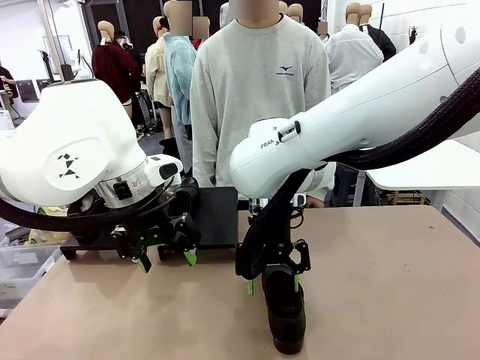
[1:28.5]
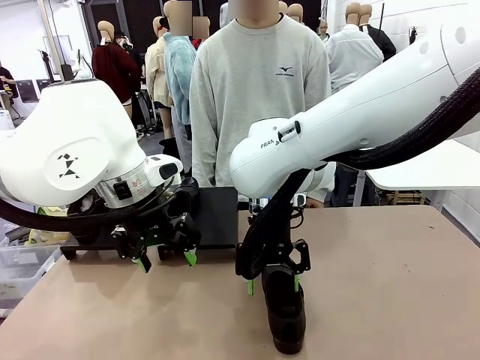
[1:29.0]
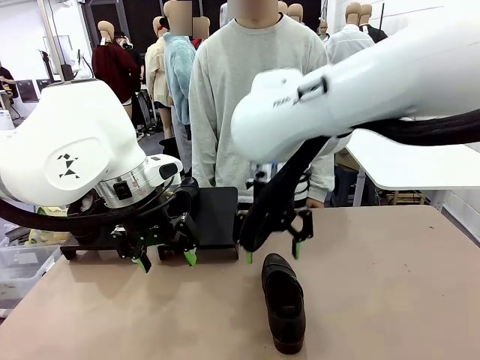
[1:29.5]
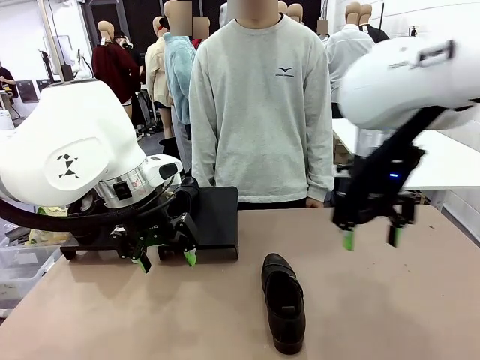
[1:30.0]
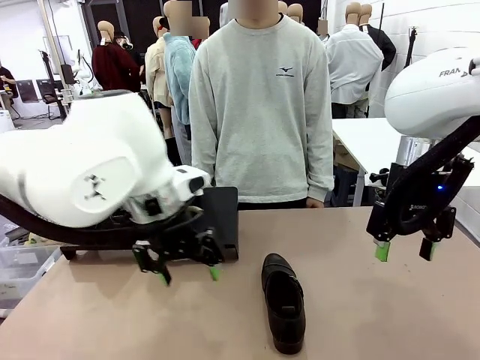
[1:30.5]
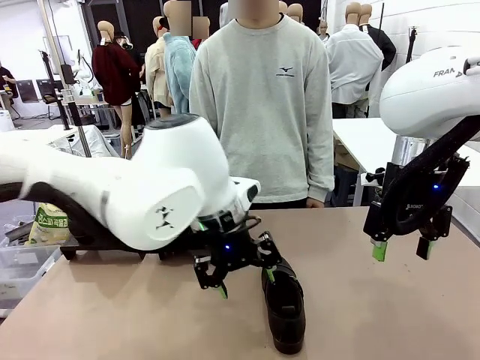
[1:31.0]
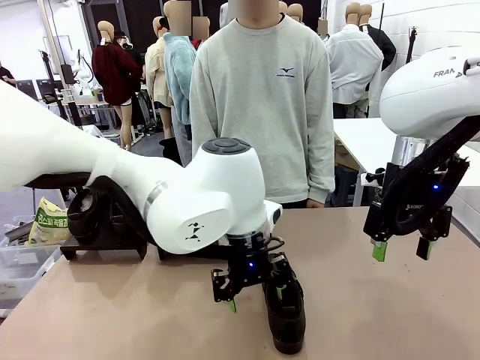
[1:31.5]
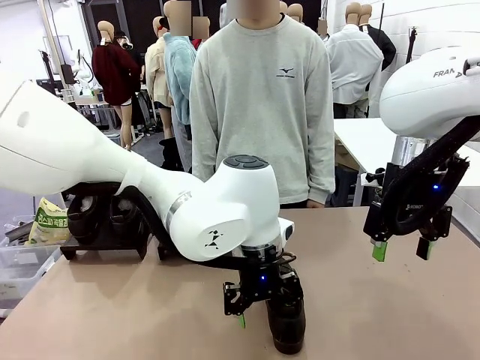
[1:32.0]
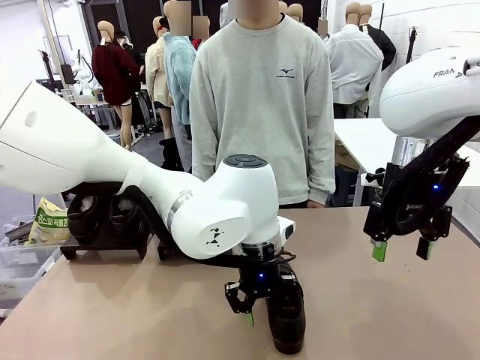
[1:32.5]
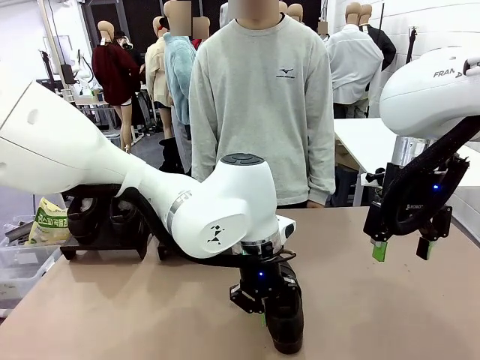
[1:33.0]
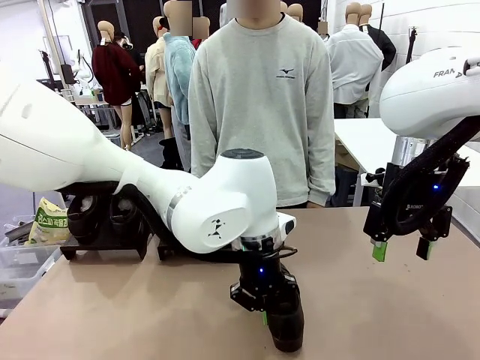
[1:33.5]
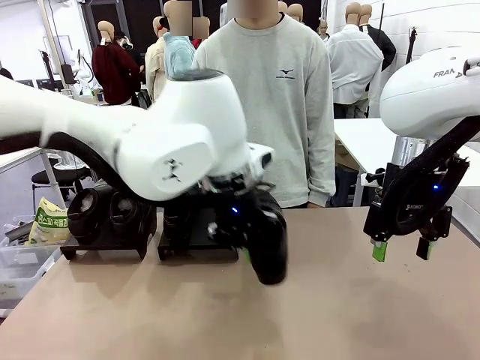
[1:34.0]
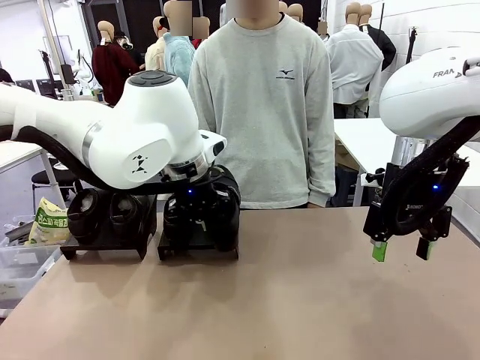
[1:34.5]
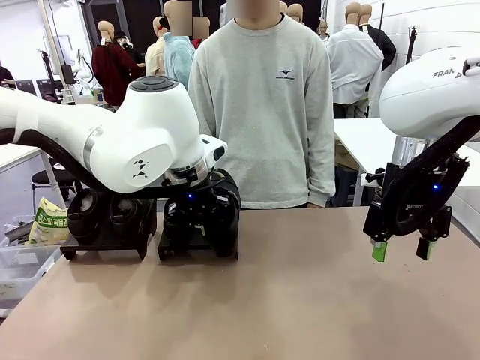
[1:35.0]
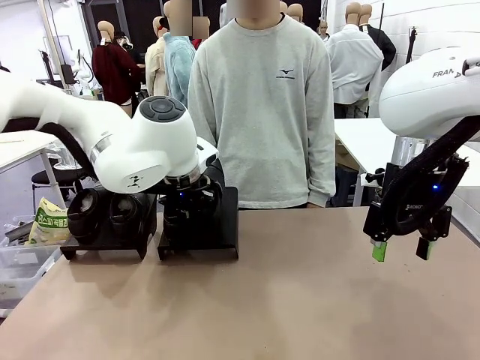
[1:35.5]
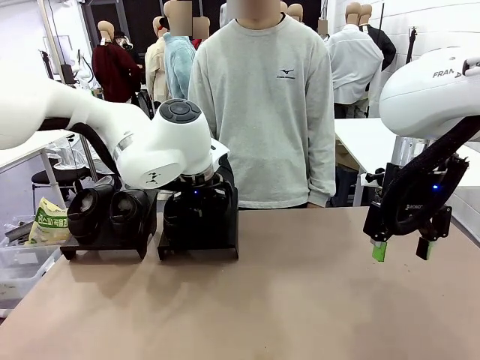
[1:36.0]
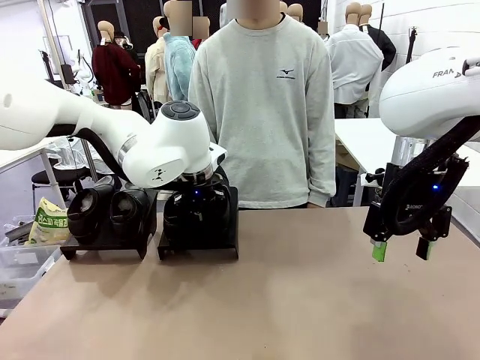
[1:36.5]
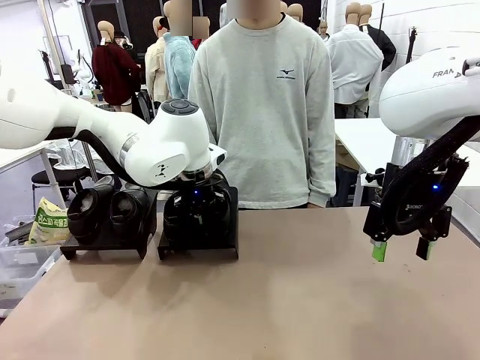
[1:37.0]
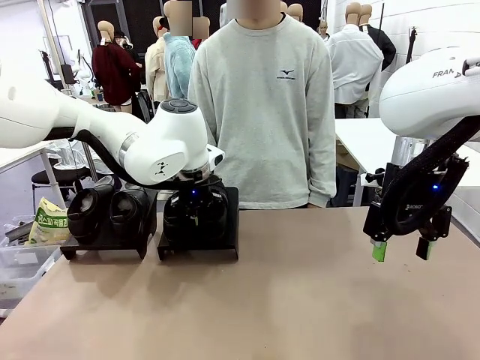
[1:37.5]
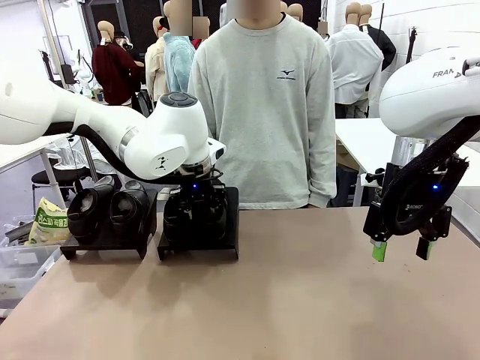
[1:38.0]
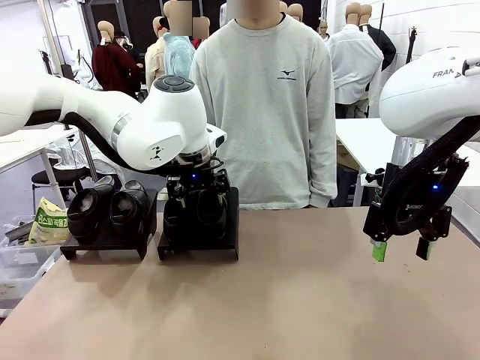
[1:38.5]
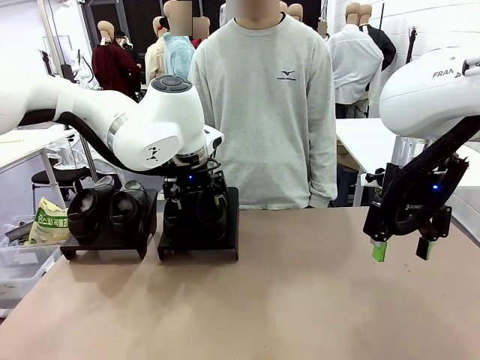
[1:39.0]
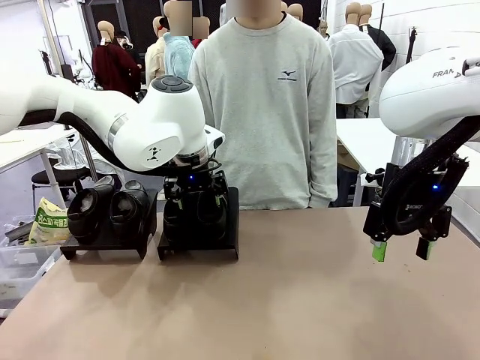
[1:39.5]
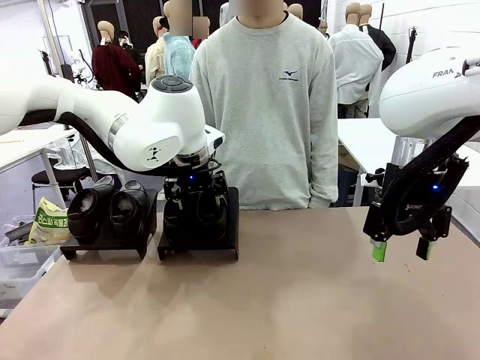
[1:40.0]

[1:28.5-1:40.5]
Task: Organize the shoes by placing them on the stand.
Robot: Place the Shoe from the middle of the table onto the Shoes Stand.

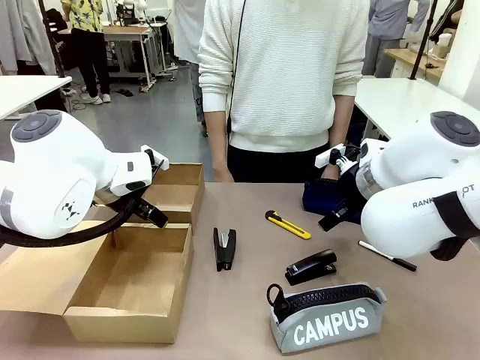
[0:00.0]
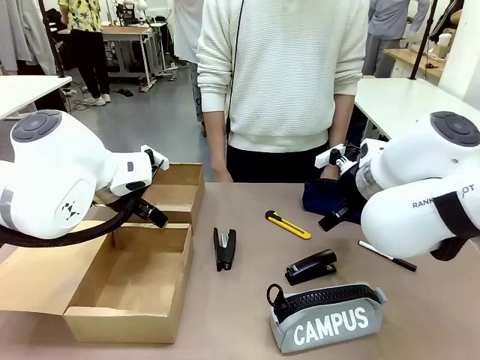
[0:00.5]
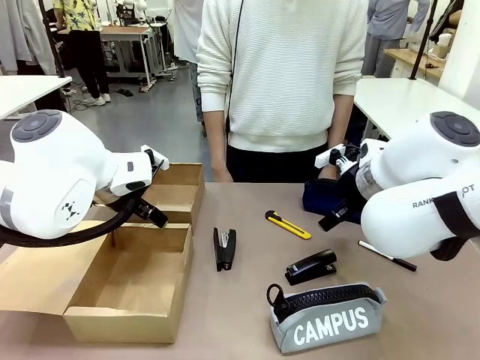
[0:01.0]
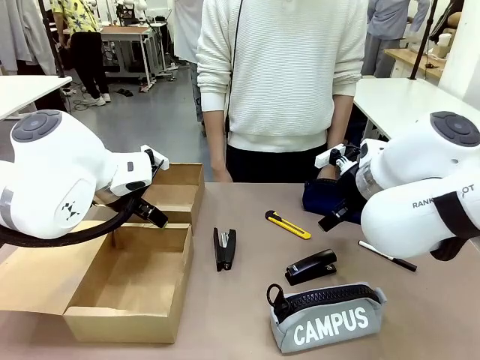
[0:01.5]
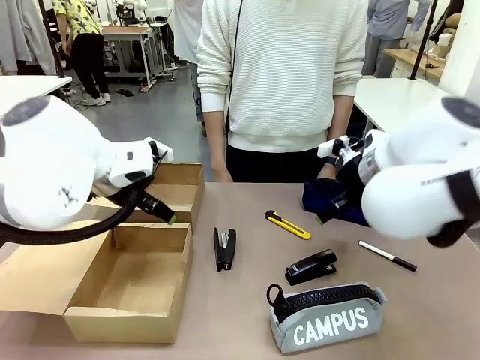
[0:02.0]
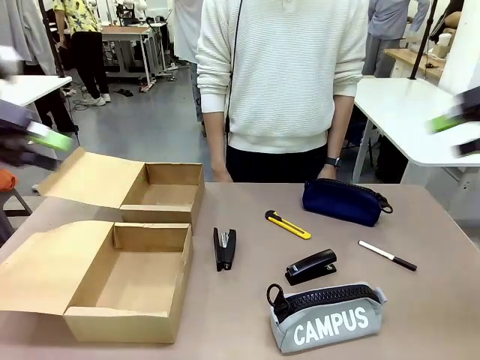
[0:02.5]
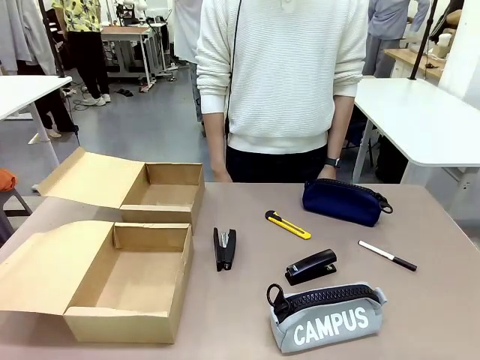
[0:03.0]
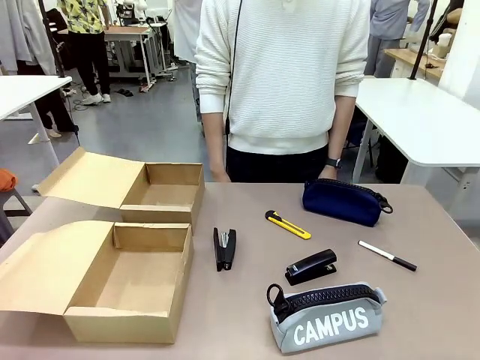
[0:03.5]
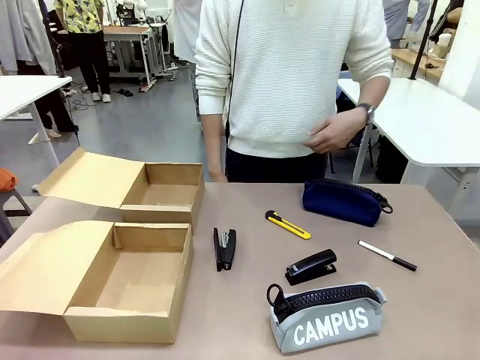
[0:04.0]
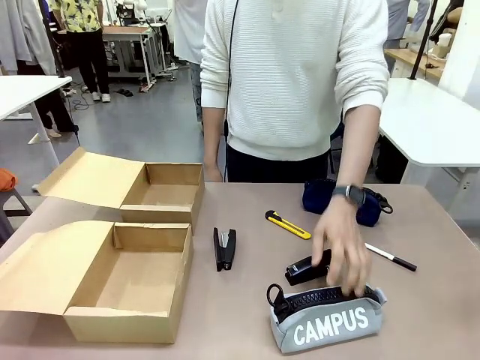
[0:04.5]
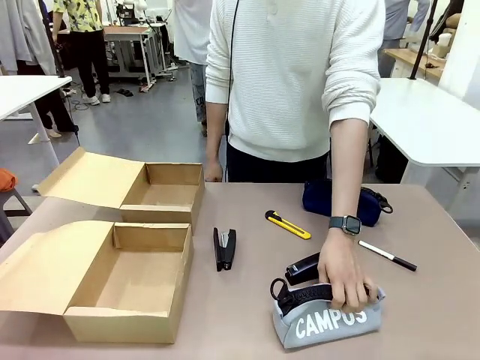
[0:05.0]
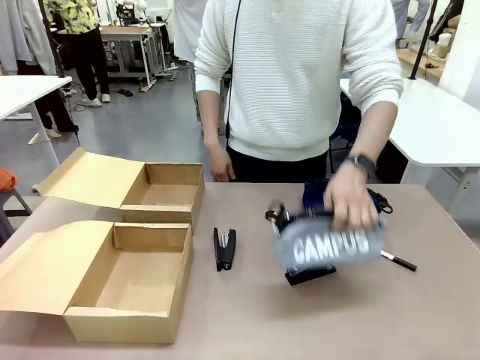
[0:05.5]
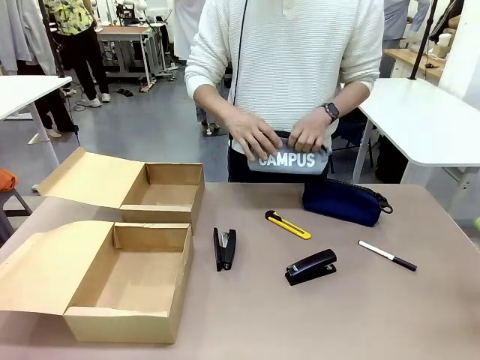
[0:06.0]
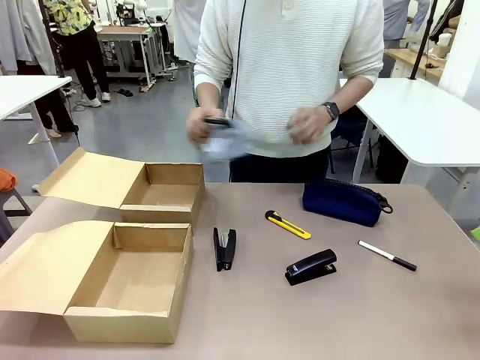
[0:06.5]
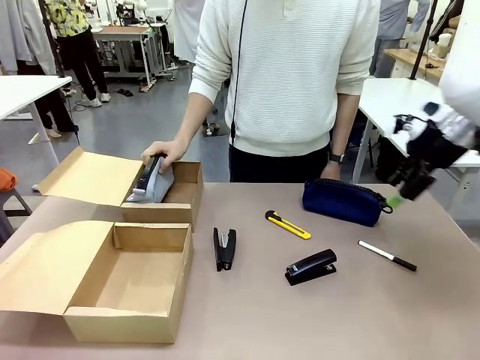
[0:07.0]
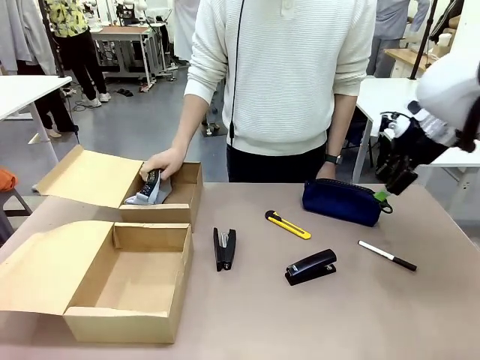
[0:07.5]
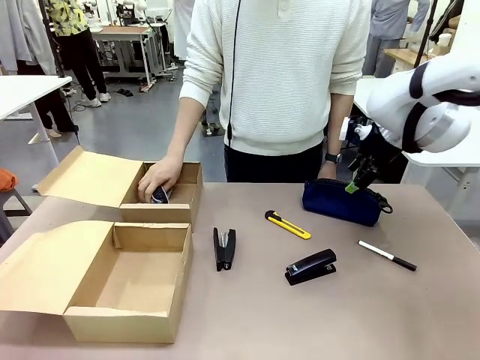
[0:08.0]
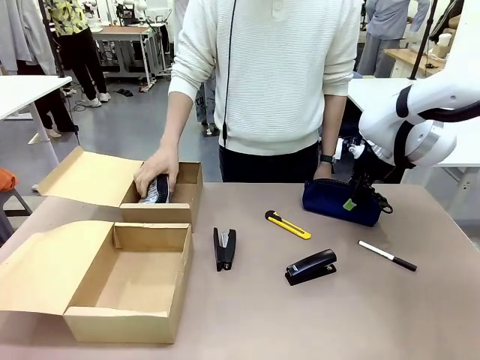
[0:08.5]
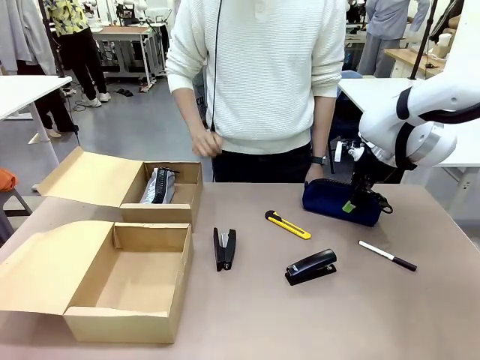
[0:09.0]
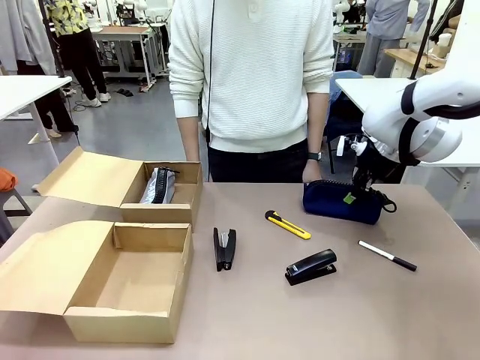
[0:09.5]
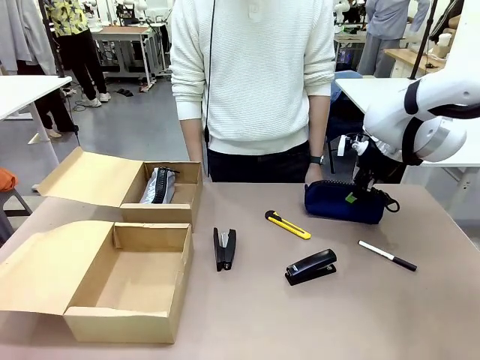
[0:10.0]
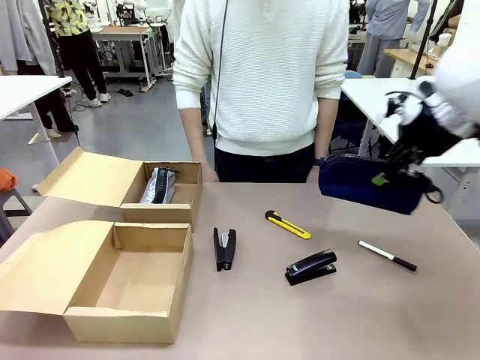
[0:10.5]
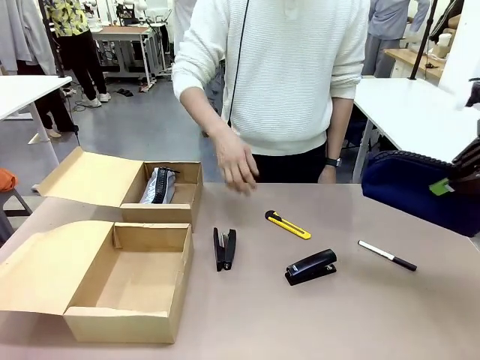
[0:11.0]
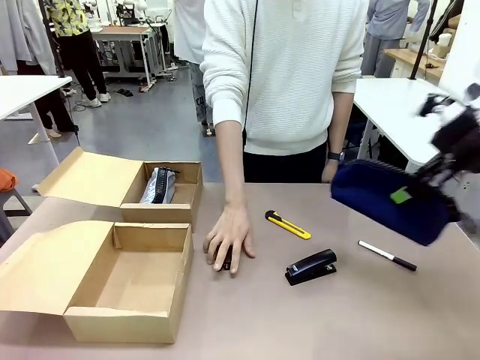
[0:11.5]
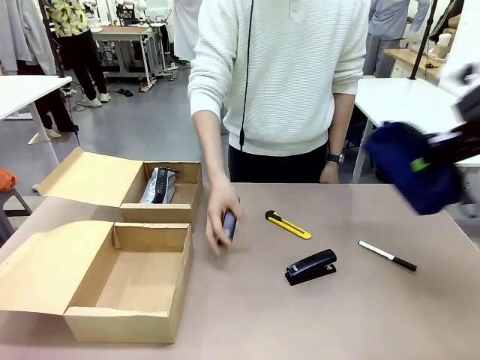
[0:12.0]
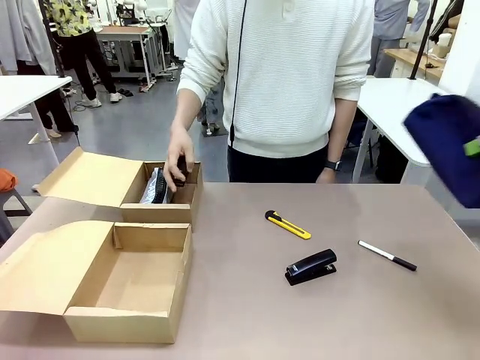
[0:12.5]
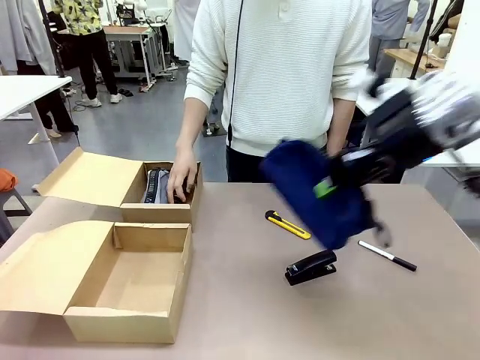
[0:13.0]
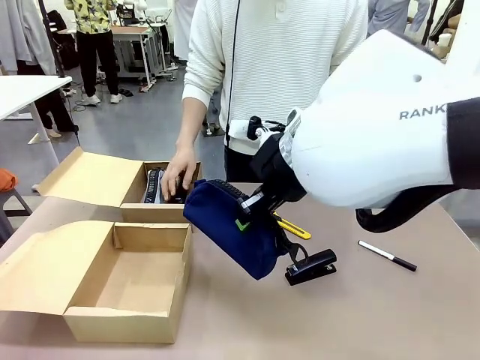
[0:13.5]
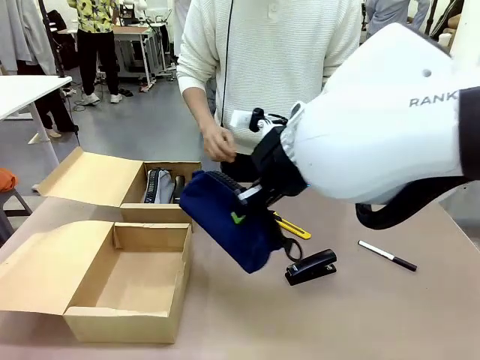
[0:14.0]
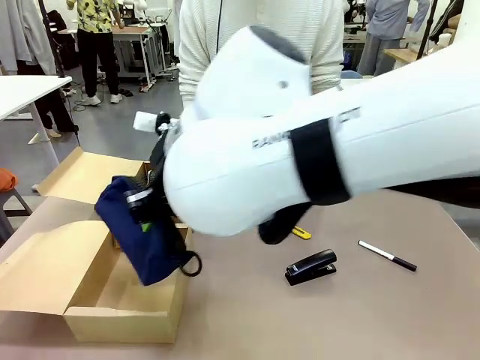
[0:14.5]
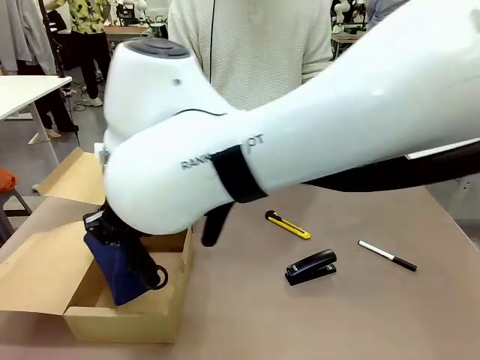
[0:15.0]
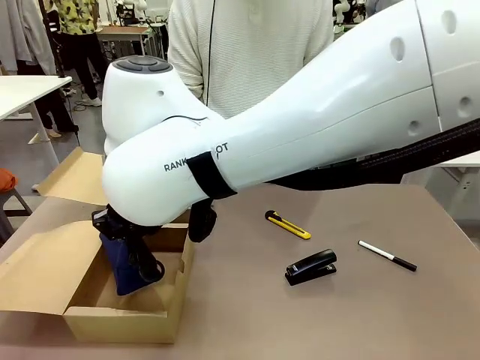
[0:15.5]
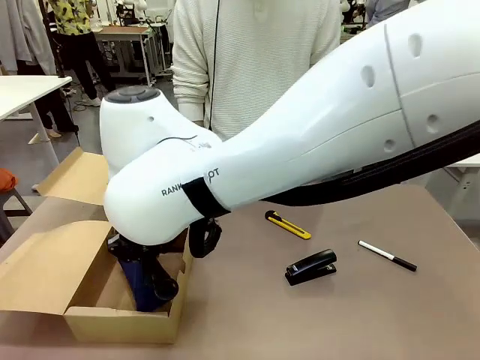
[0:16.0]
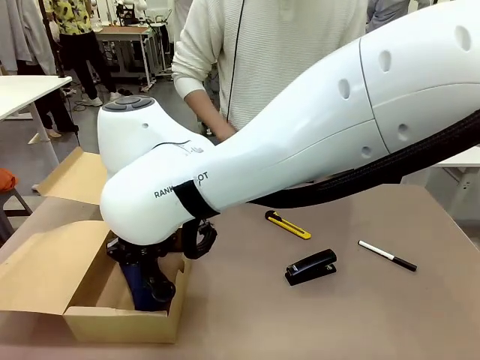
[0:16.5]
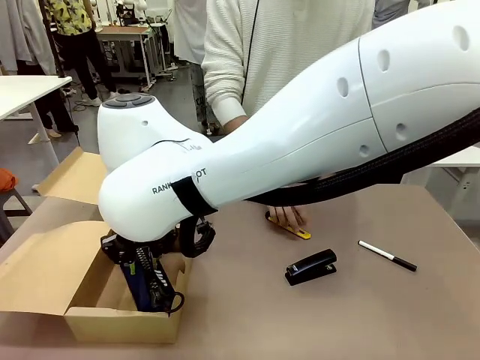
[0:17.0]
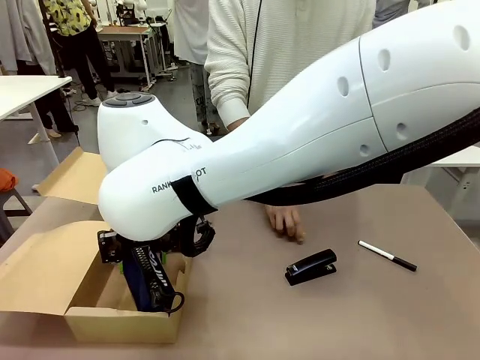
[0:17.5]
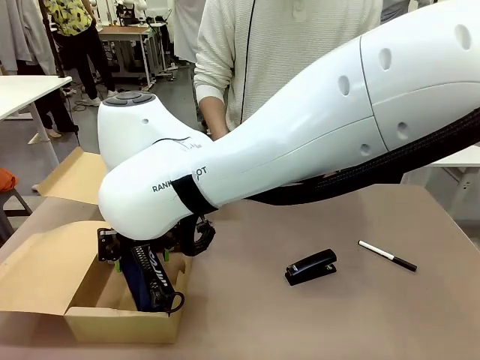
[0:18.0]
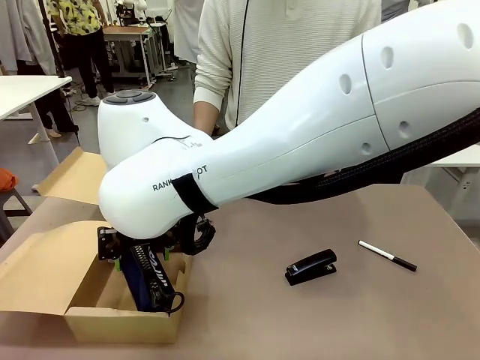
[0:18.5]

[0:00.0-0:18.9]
Task: Place items inside the box.
Robot: Pick up a Pencil pouch or Stapler and place it inside the Mailer Box closest to the robot.
Person: Pick up an object on the table and put it in the box.
